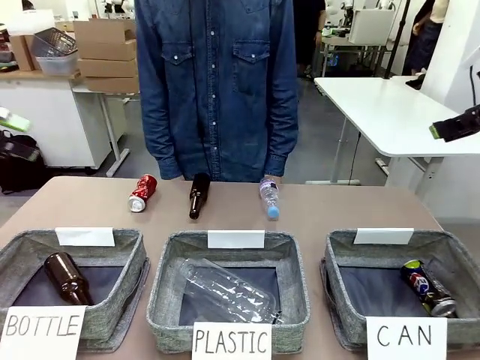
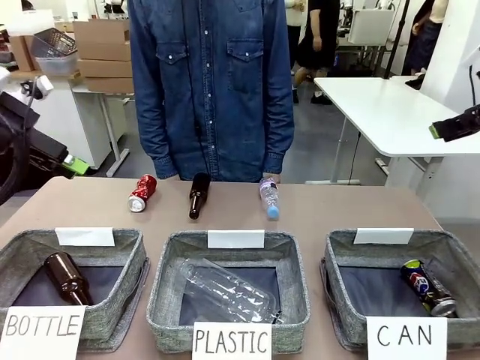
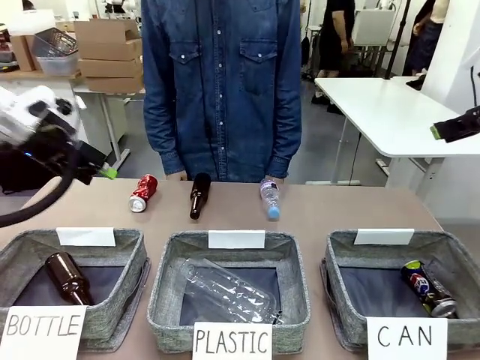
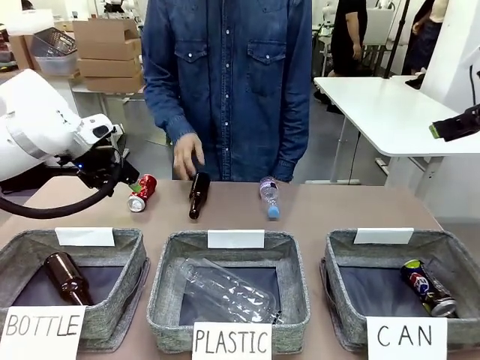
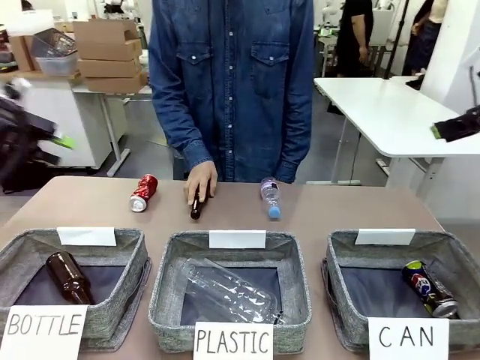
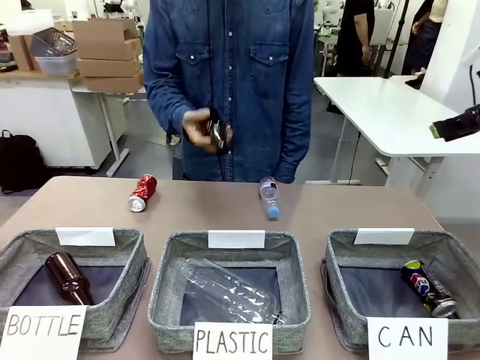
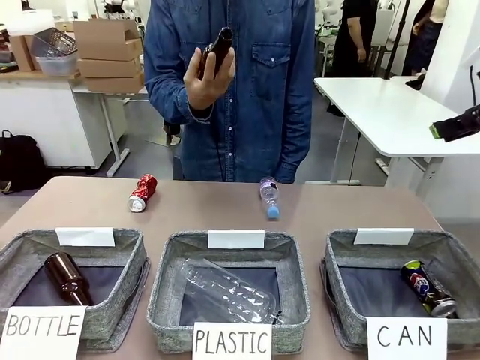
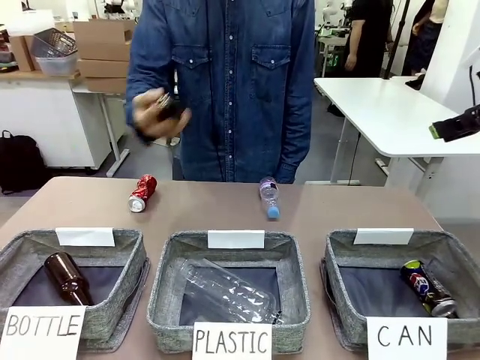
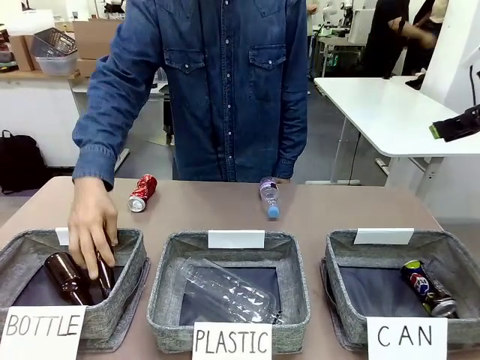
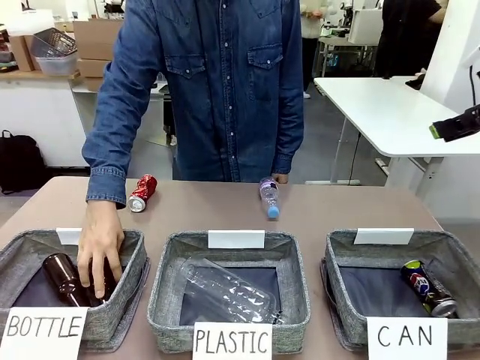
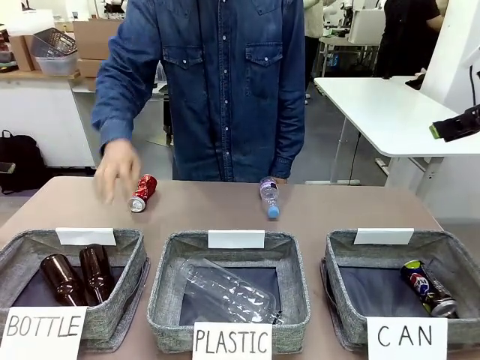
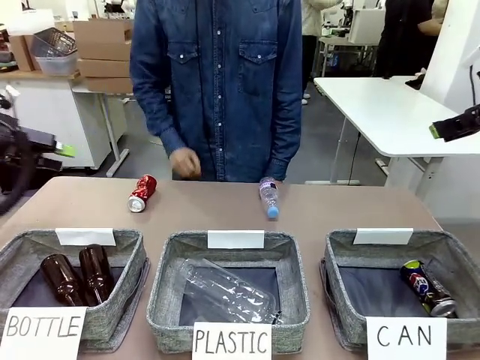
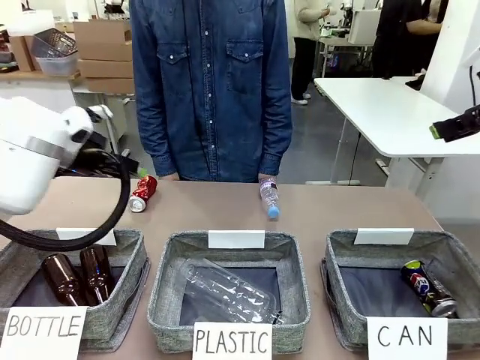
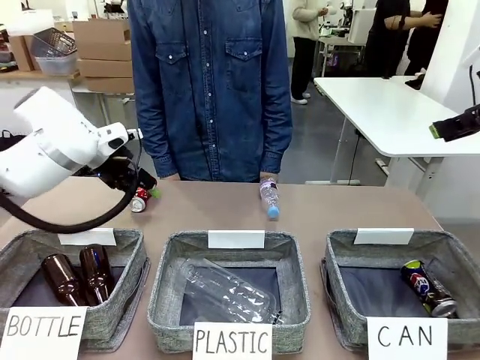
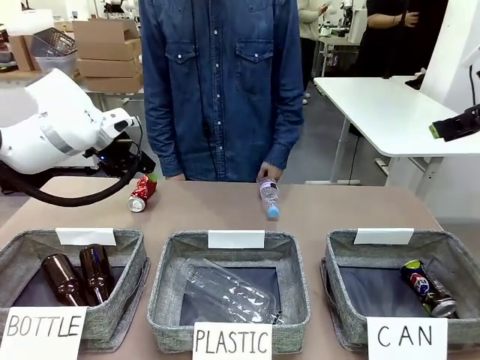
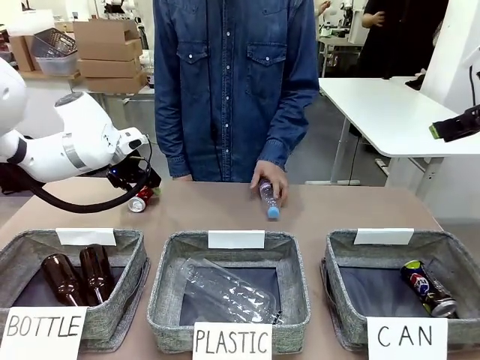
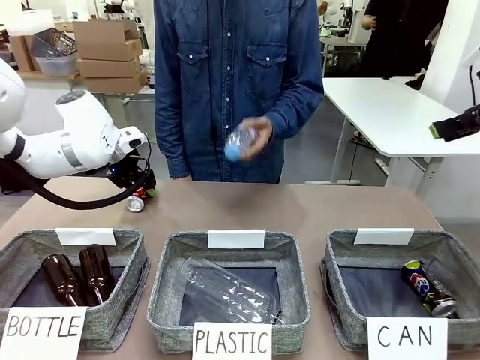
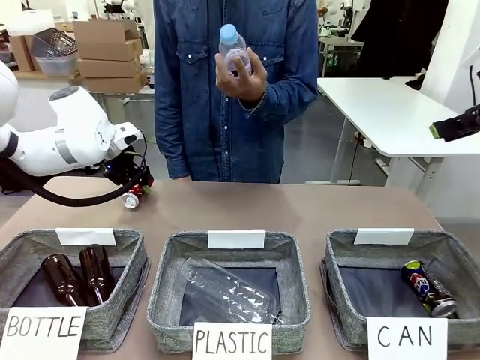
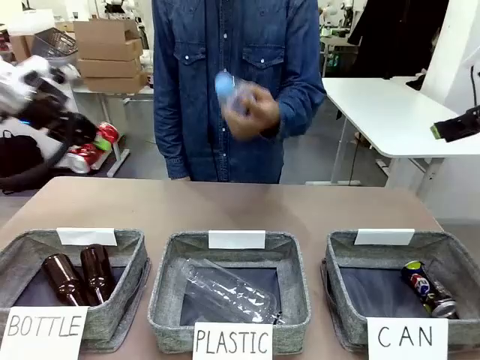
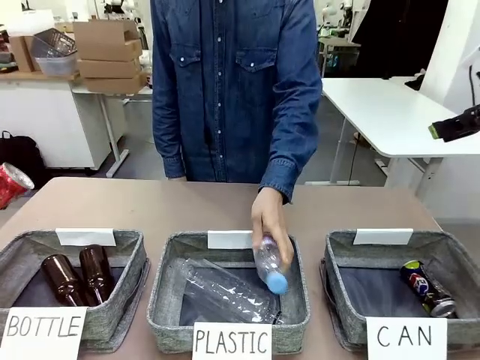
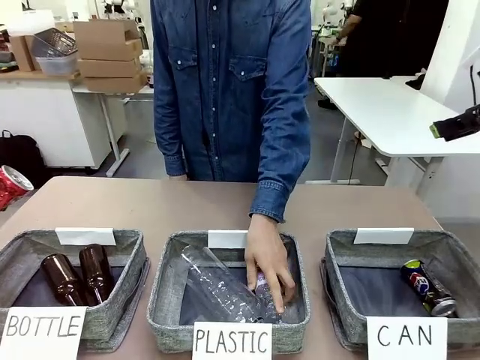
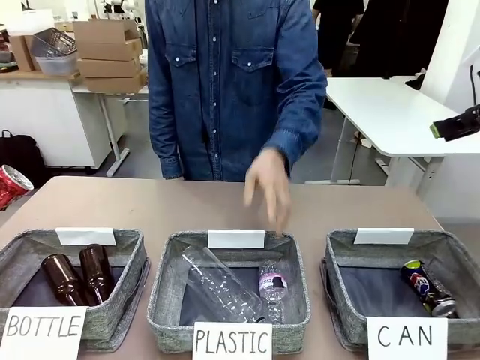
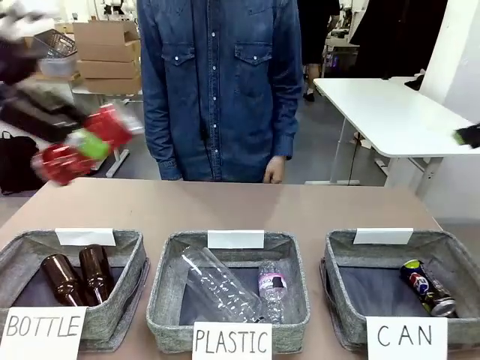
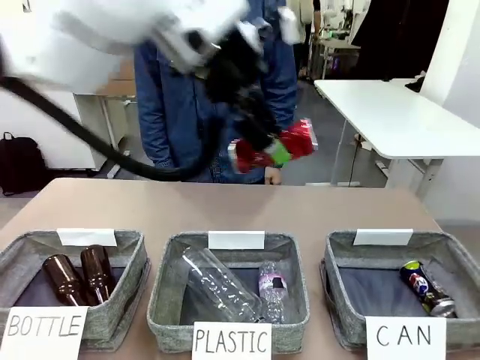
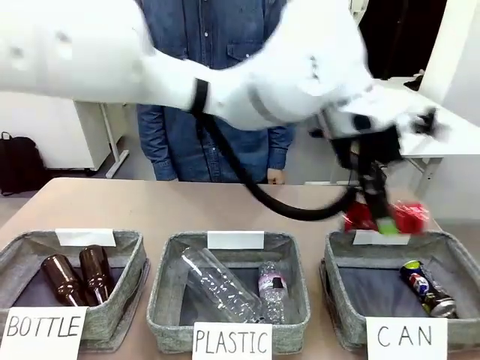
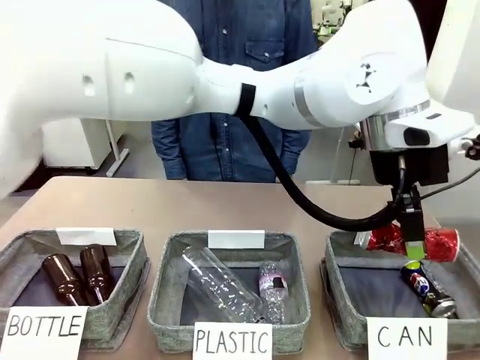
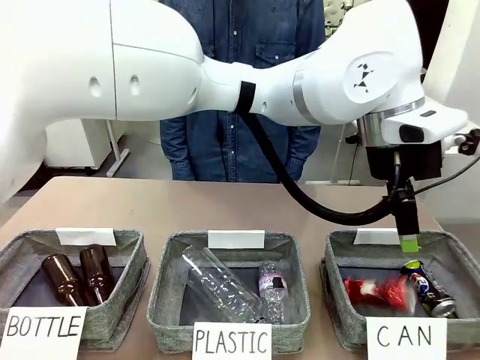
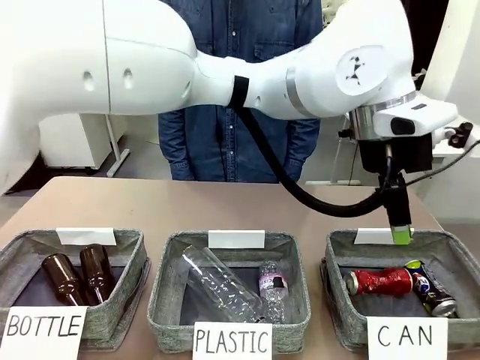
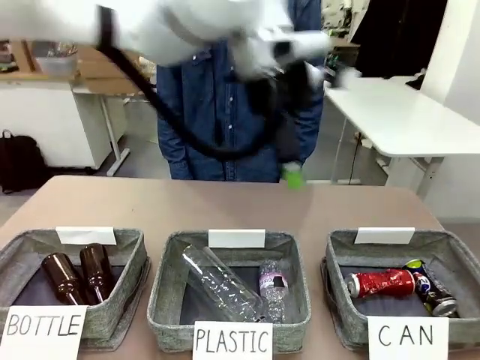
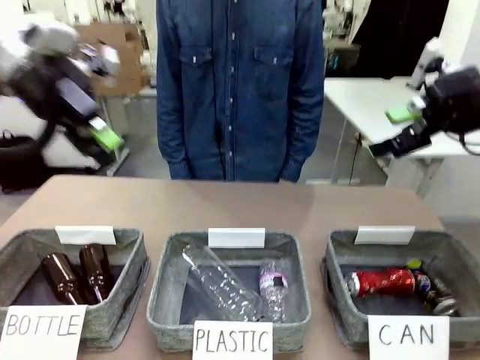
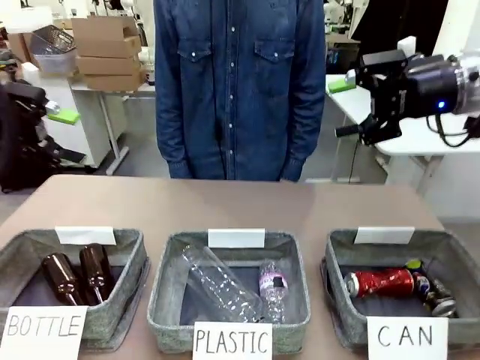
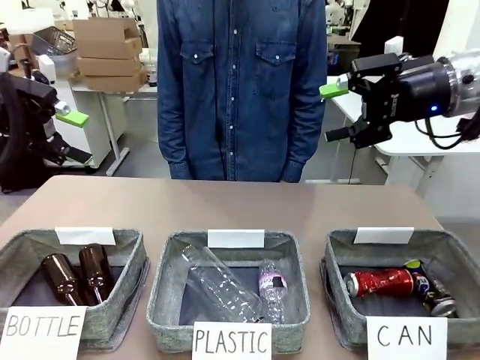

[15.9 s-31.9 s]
Task: Sort the can waste into the basket.
Robot: Pick up the can waste from the table and place it in the right Fabric basket.
Person: The human picks up one piece of trash that is not a can and places the trash into the appropriate organizing basket.

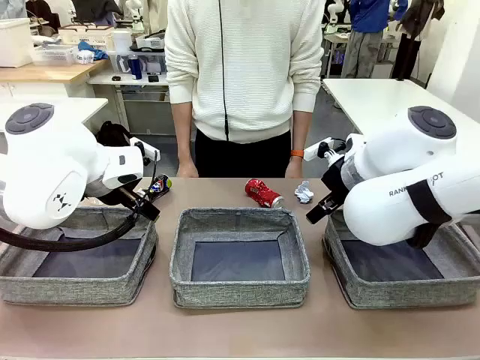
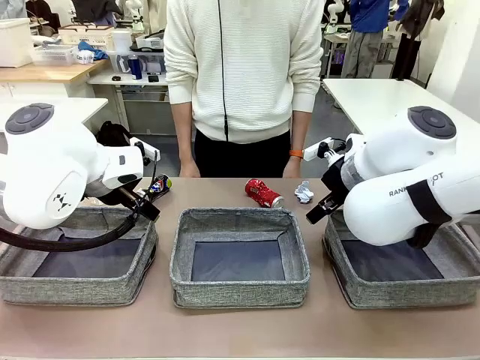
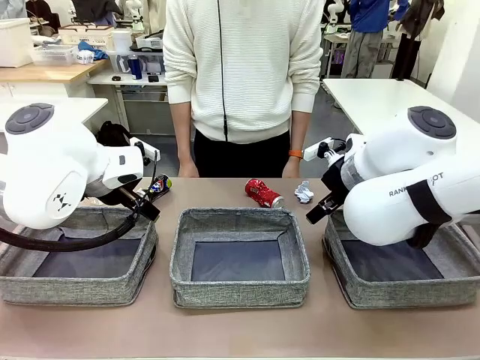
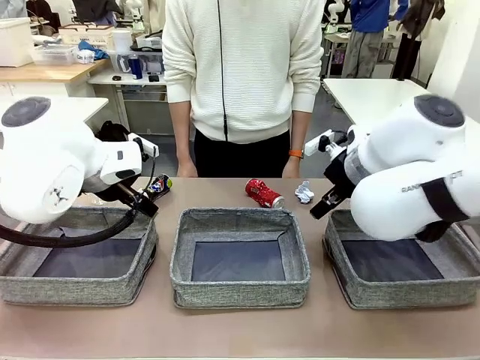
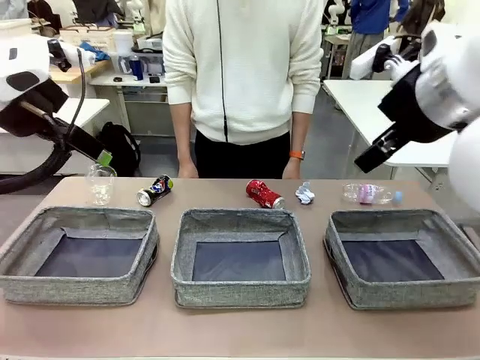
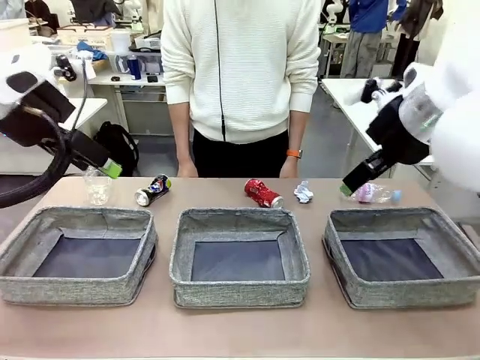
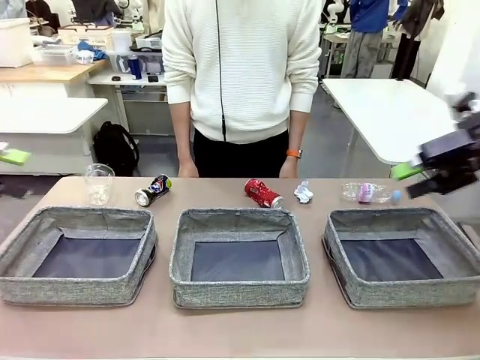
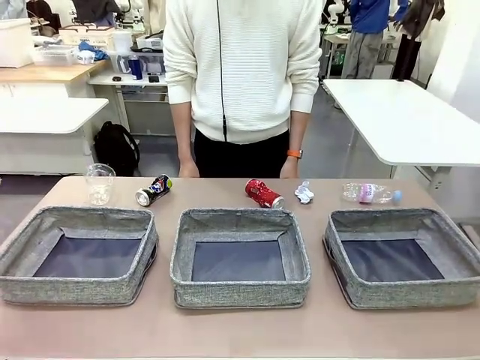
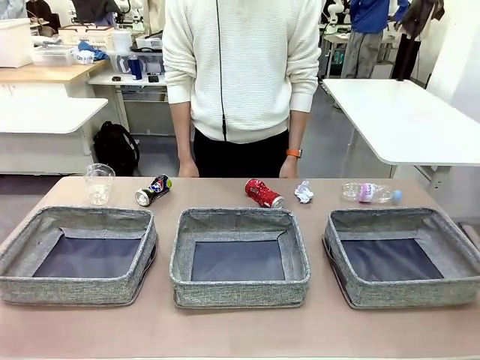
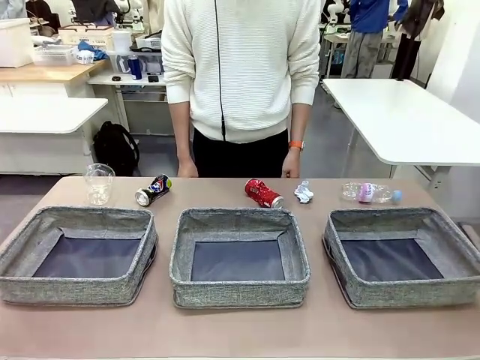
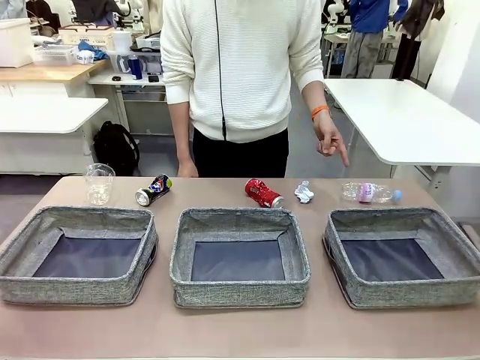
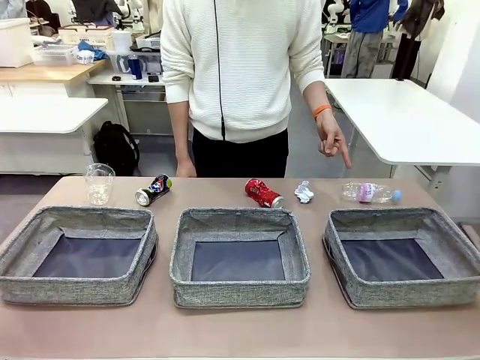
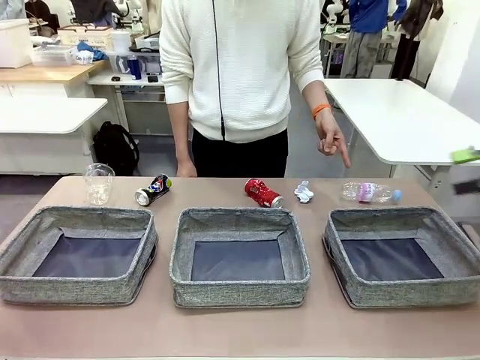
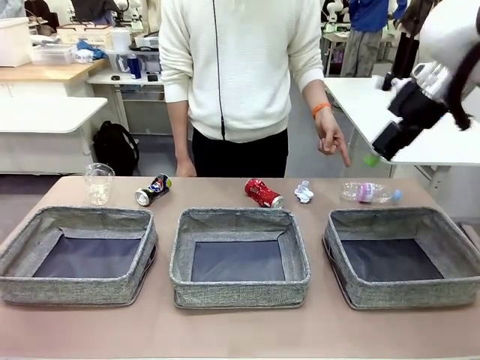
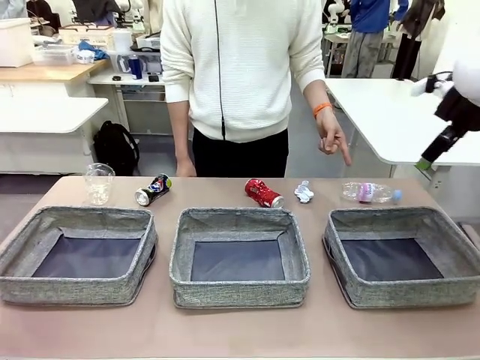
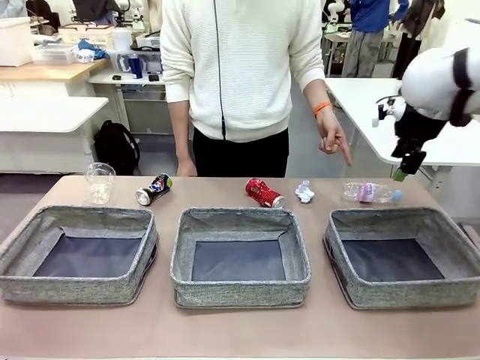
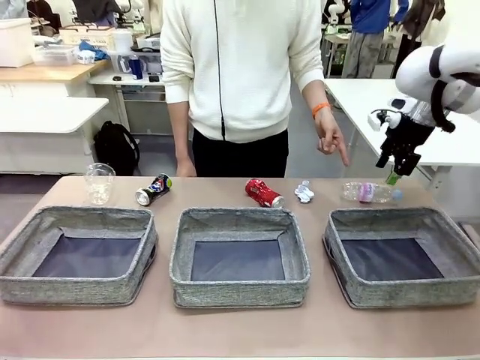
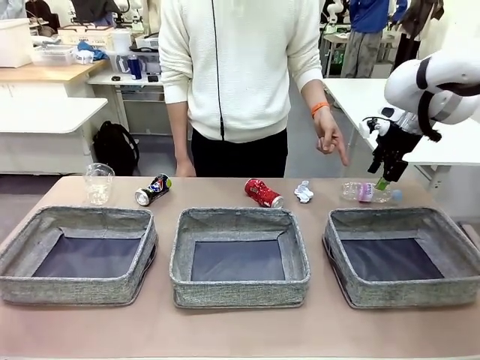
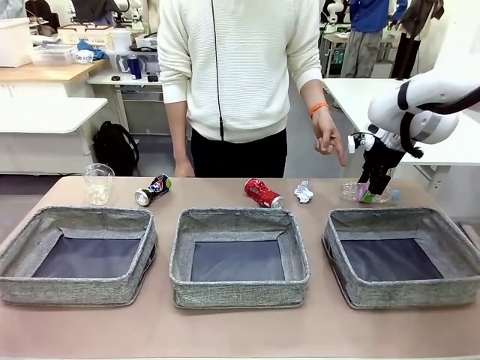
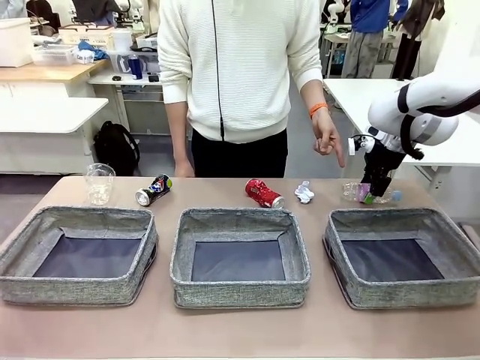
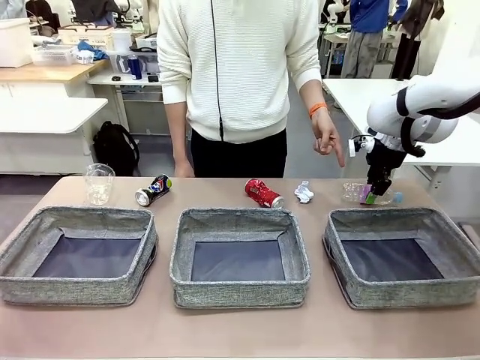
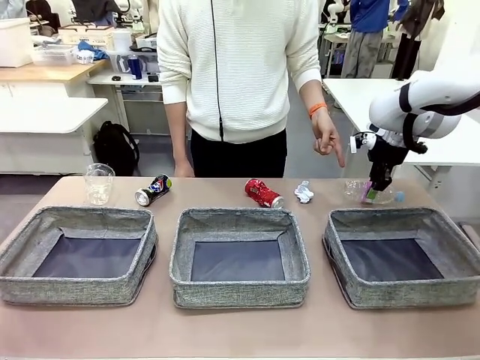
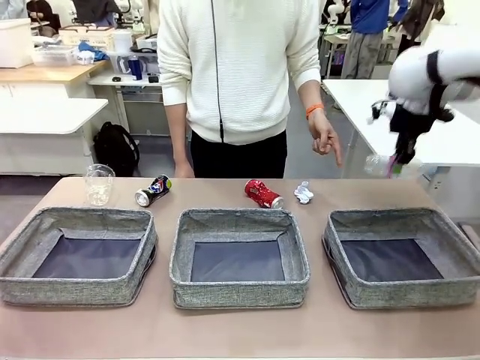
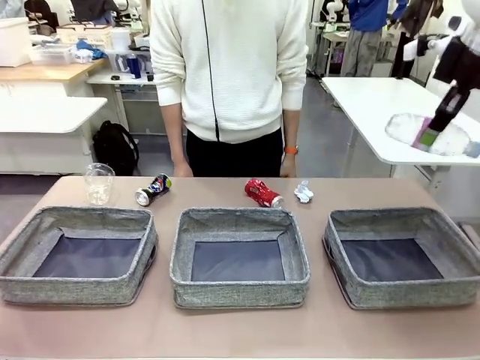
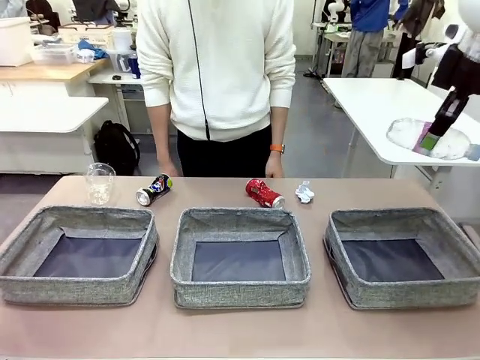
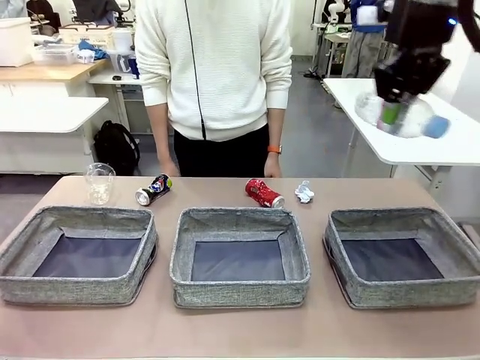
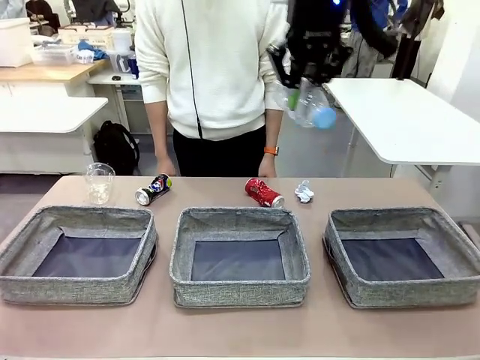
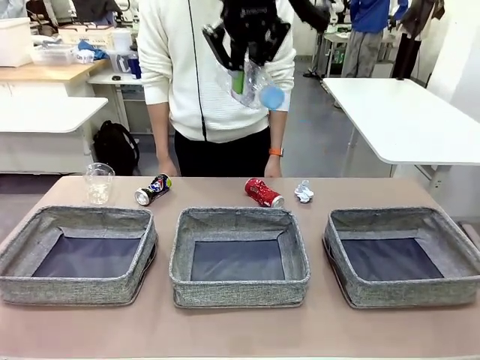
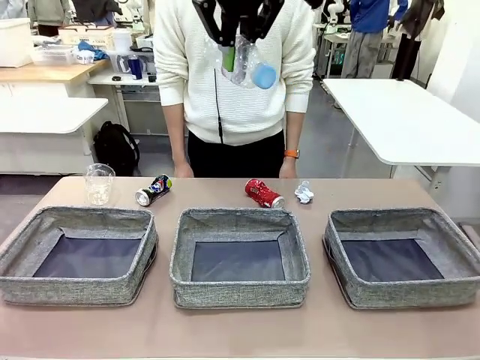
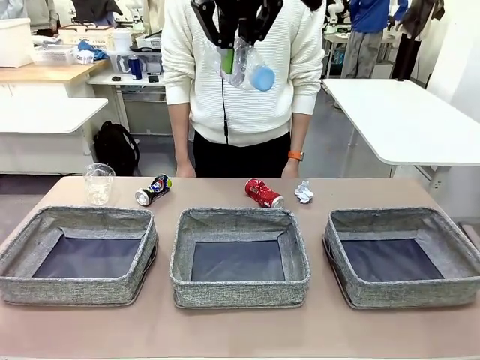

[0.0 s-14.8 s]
Task: Sort the waste into the appropriate baskets.
Robot: Pick up the waste item pointed out by the person.
Person: Points to one piece of trash on the table.
